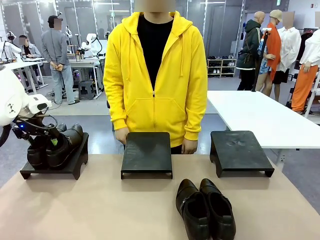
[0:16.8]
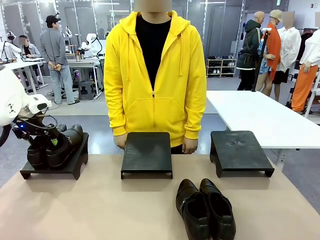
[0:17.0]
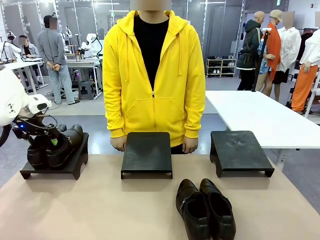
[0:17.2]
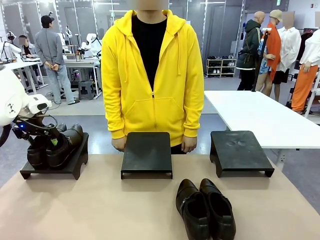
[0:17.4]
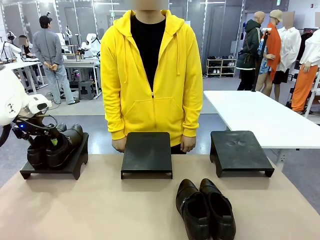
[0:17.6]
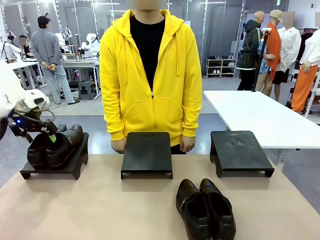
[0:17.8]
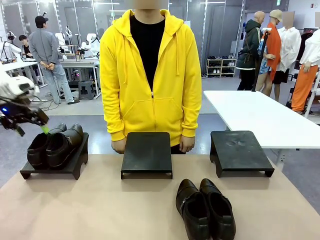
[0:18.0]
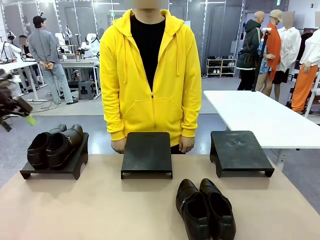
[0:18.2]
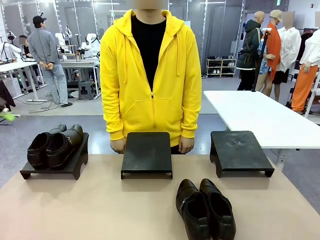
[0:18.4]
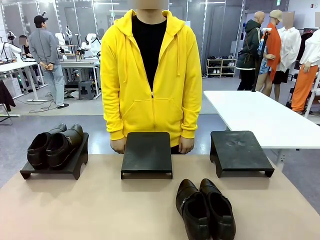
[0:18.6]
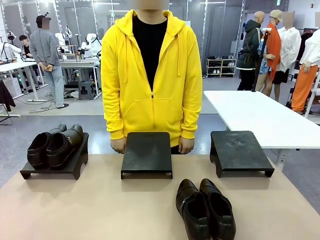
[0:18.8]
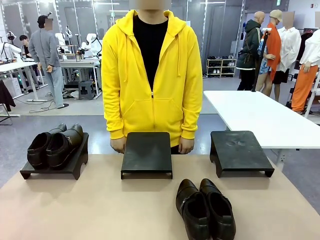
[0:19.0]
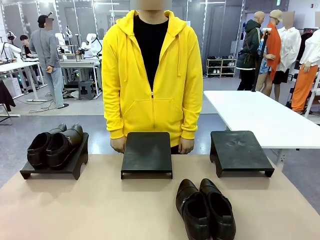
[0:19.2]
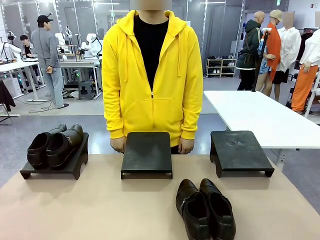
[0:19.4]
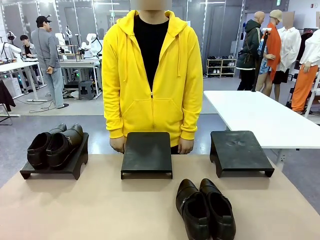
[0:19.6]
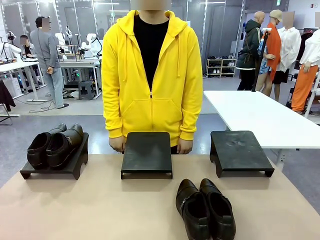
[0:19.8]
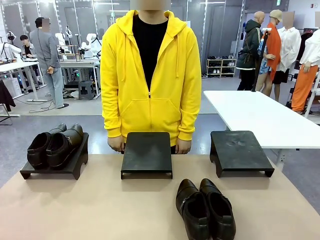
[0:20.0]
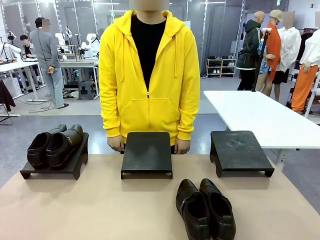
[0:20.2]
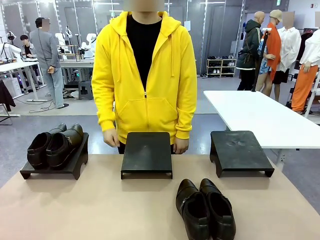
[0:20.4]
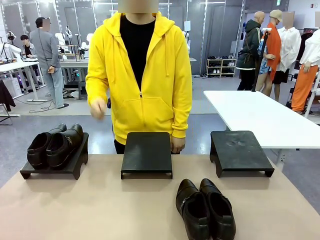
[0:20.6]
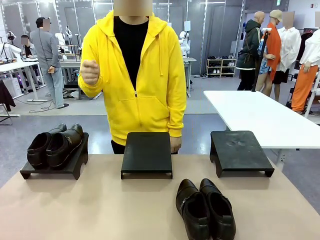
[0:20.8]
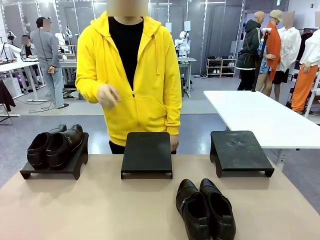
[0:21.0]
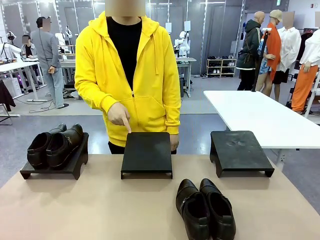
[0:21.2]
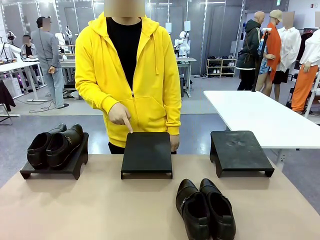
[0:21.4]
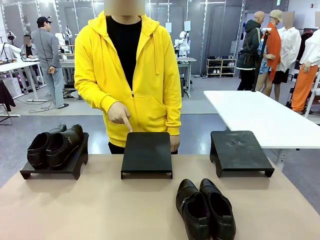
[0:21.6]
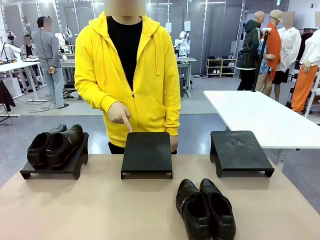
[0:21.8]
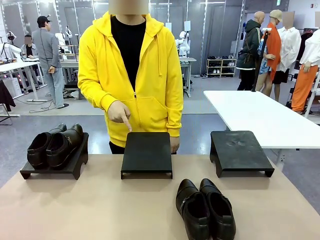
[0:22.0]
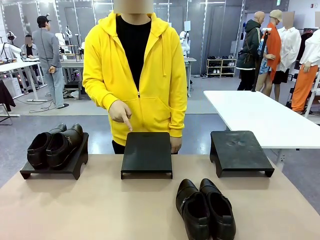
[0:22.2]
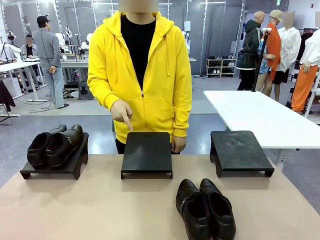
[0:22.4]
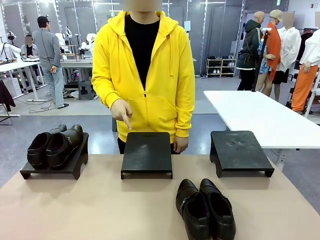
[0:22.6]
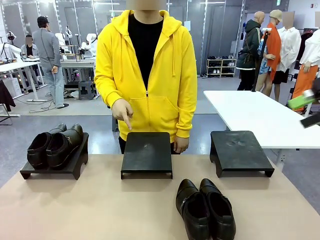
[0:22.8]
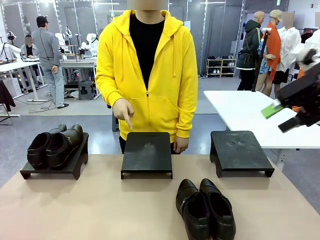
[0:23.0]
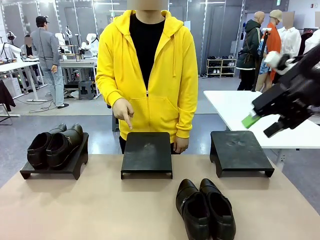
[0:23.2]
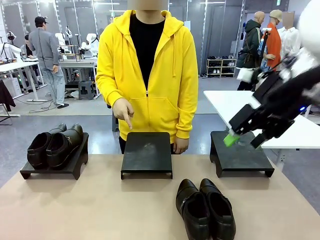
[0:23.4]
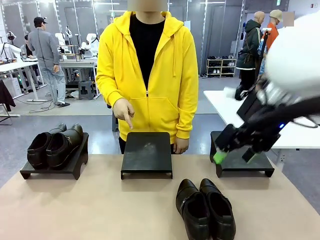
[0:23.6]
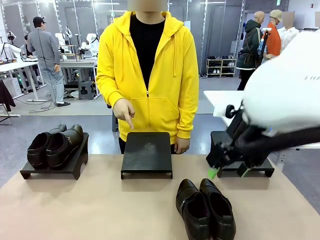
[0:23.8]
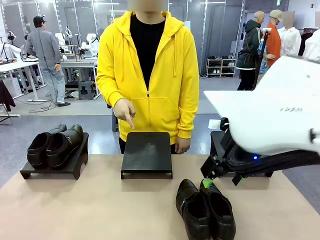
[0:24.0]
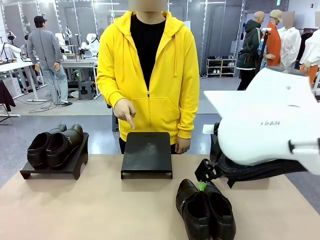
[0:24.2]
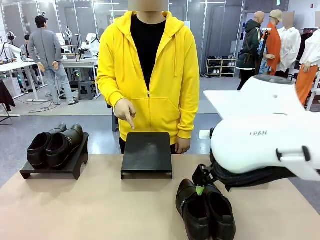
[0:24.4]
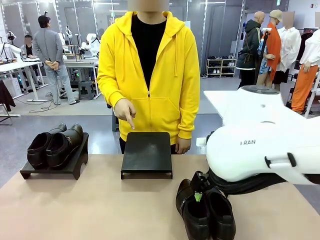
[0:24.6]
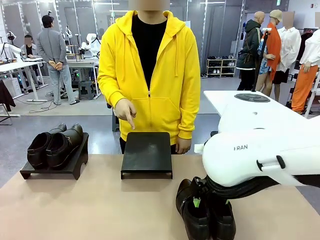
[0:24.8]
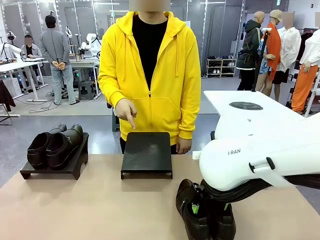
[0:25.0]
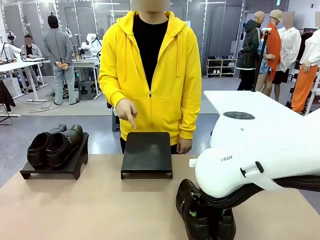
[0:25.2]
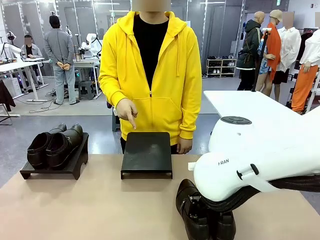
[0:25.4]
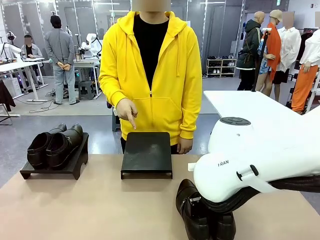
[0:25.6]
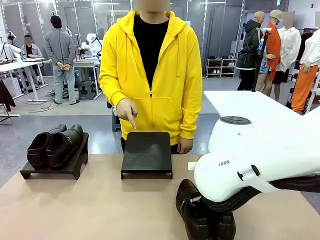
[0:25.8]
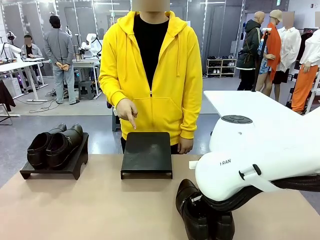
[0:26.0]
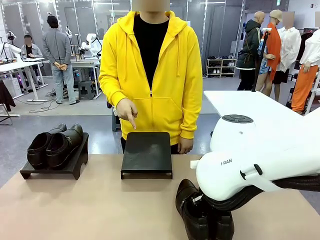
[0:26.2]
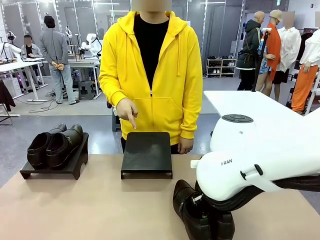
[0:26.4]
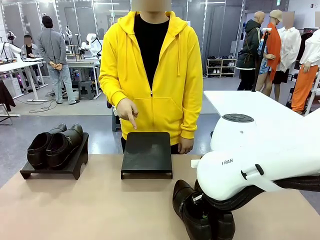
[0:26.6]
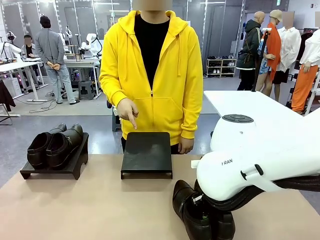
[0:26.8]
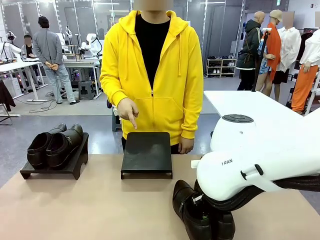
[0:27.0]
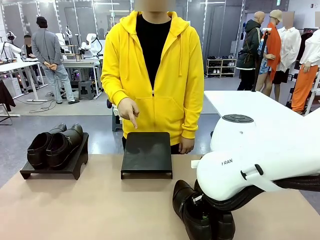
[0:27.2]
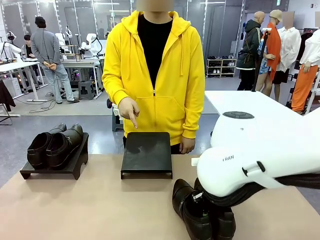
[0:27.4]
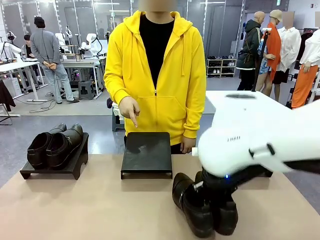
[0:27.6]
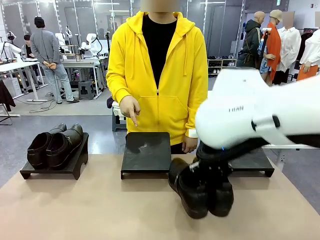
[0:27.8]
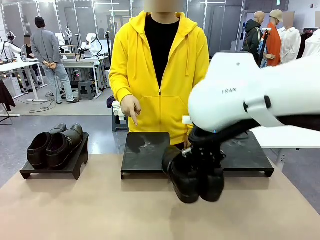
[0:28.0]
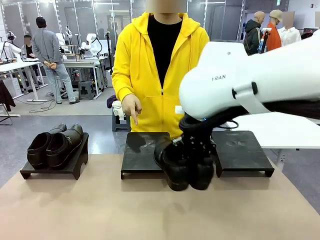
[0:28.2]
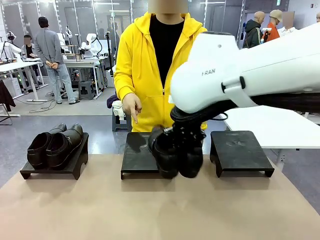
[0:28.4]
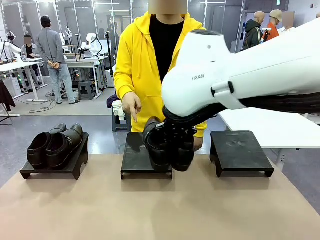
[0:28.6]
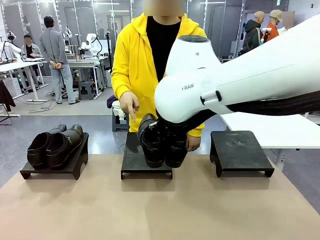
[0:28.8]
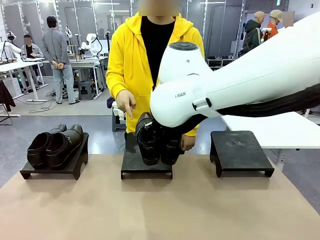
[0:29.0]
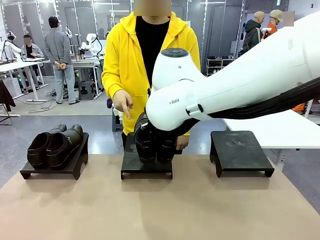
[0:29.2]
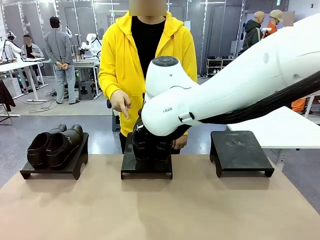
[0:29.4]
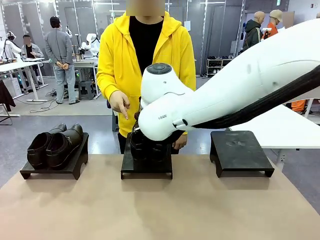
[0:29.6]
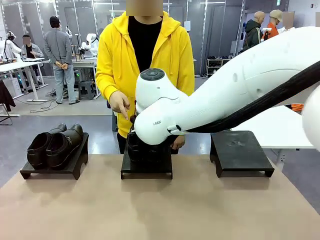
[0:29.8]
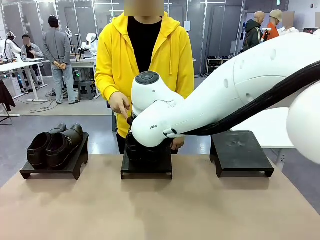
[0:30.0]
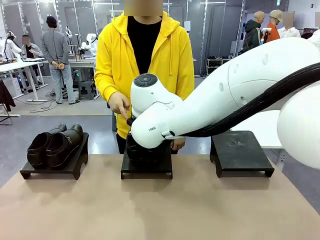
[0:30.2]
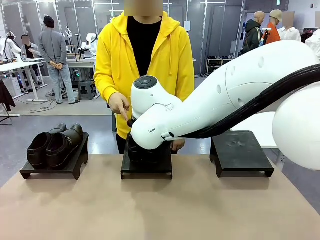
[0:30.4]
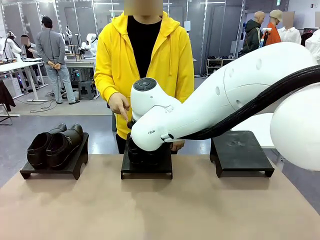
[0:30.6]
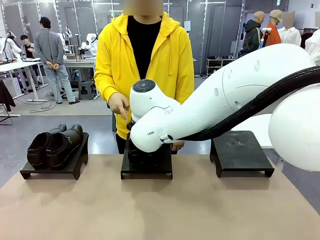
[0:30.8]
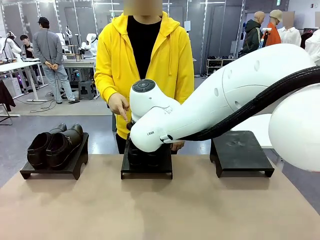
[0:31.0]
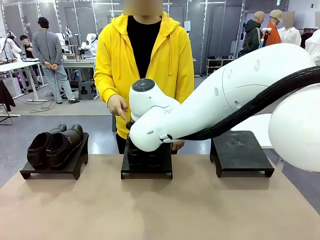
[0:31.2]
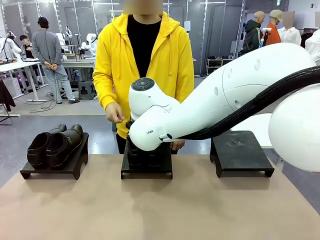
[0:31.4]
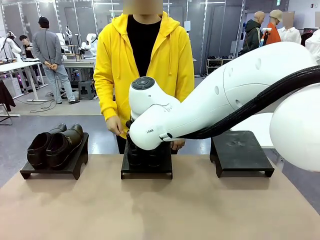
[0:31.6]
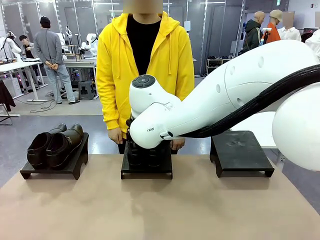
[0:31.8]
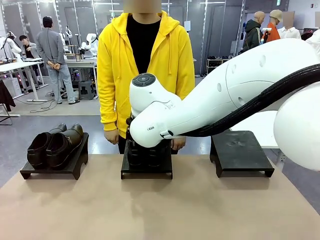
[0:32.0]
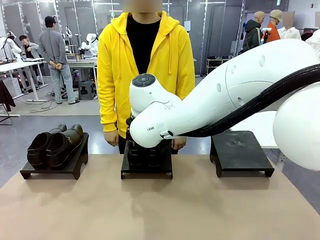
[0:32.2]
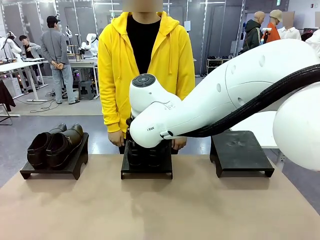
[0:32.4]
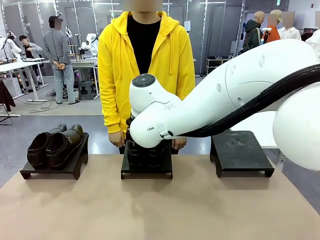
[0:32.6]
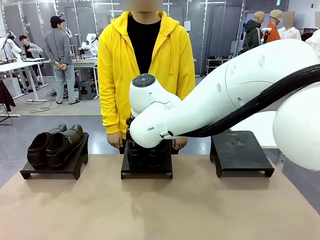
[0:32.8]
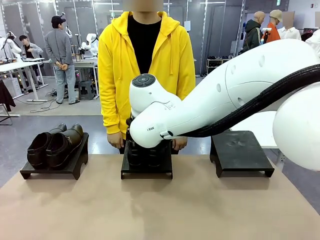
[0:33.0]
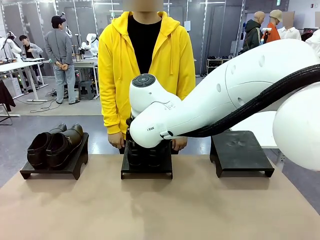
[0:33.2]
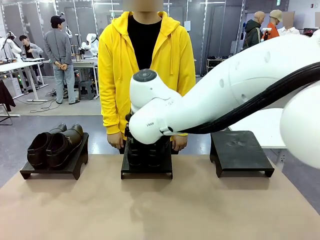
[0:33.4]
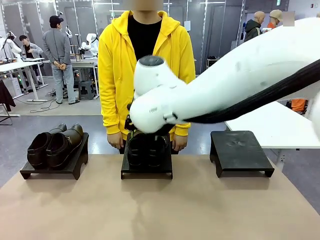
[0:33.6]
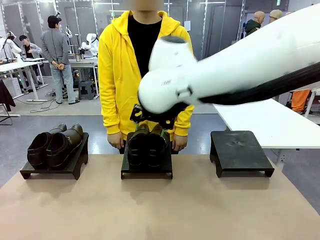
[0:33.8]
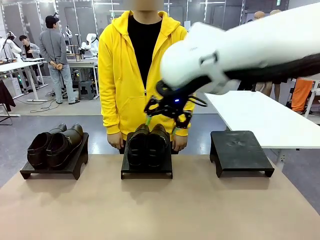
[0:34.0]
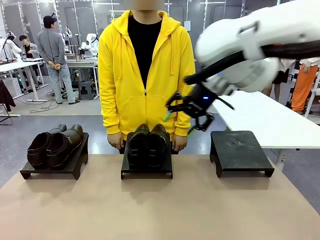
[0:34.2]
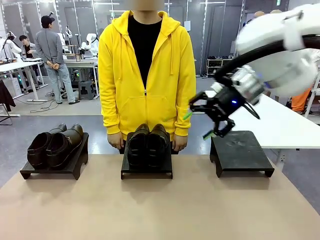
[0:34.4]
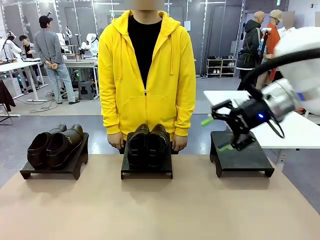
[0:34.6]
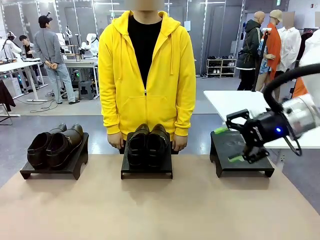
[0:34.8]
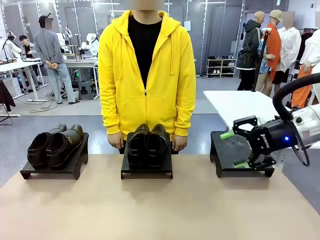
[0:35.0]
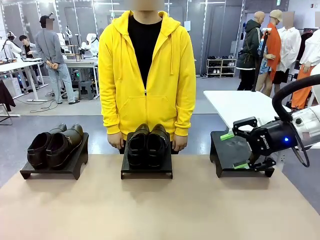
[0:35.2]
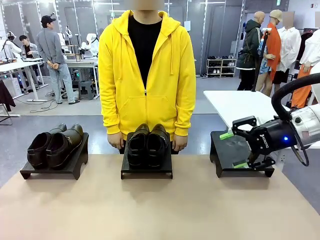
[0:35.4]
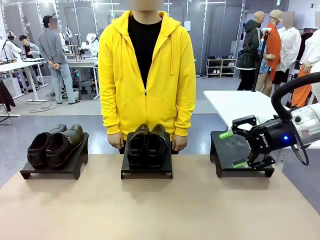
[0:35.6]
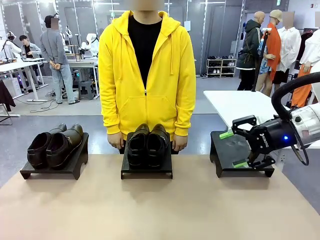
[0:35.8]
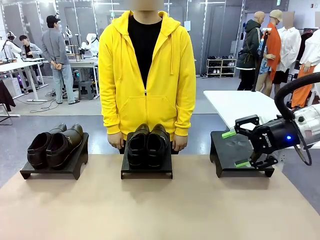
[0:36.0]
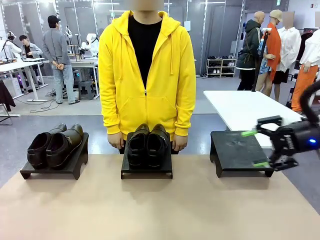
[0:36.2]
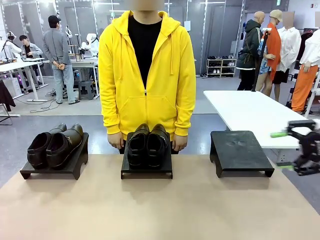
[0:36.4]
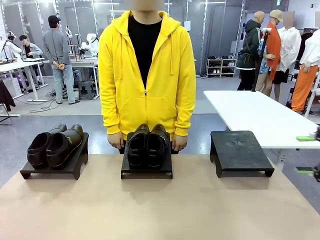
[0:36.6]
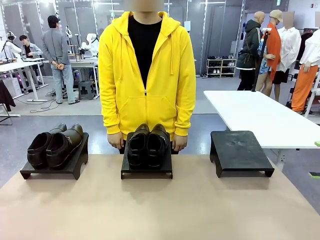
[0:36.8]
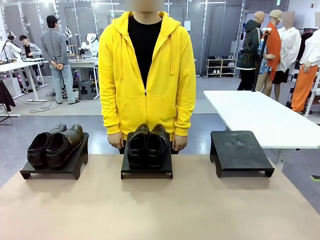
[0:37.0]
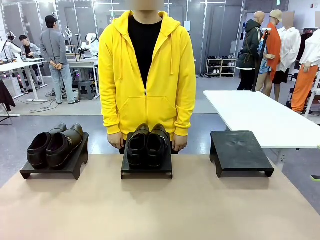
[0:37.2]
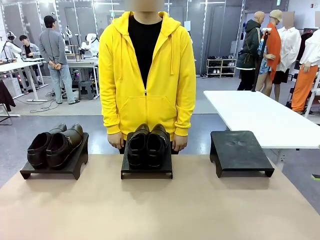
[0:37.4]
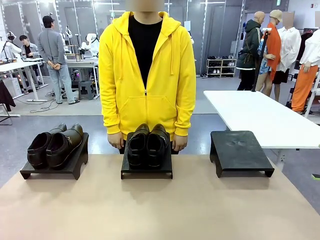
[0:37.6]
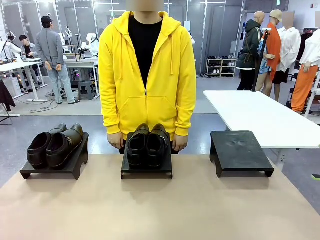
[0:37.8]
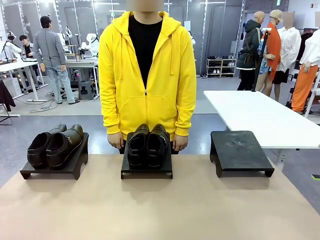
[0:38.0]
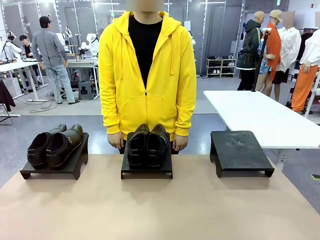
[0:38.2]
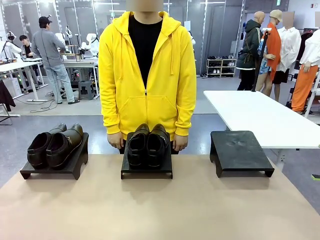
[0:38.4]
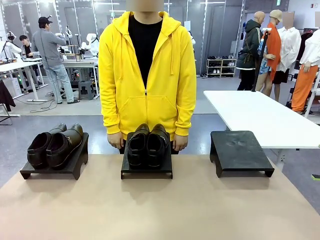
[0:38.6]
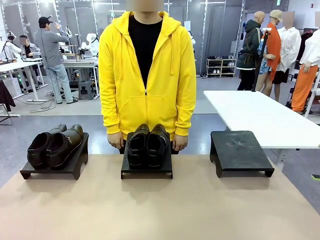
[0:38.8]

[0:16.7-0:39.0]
Task: Place the shoes on the stand as instructed by the person.
Robot: Pick up another pair of Shoes and place it on the Shoes Stand indicated by the person.
Person: Point to one Shoes Stand.
